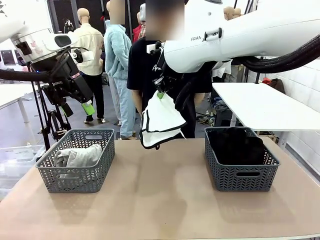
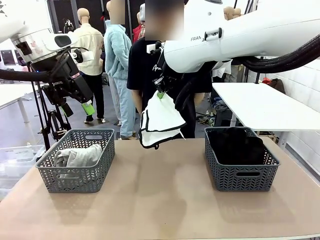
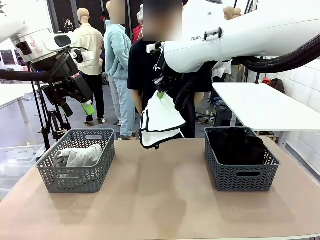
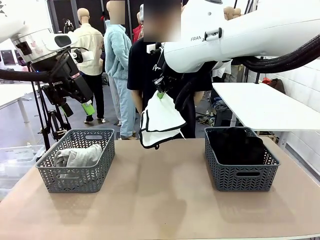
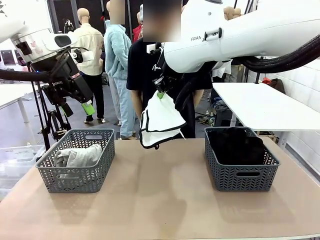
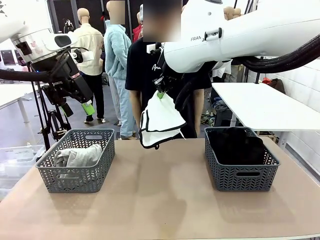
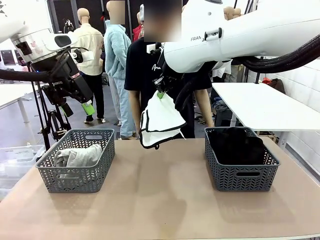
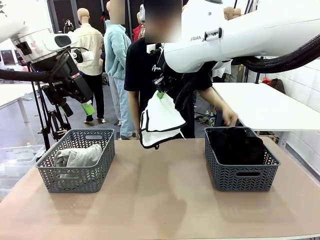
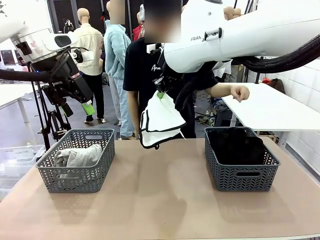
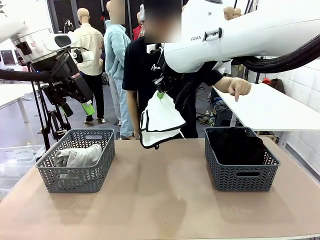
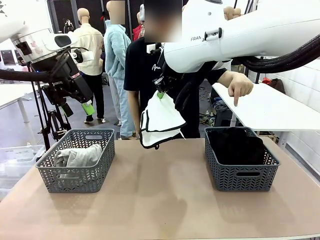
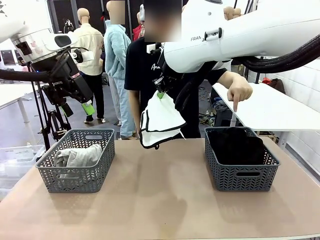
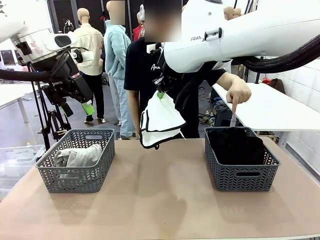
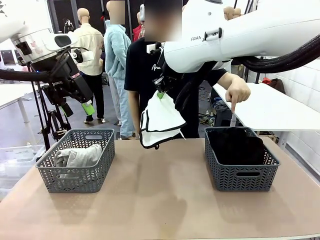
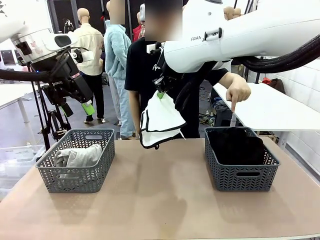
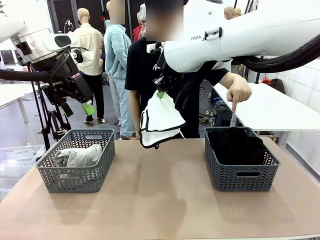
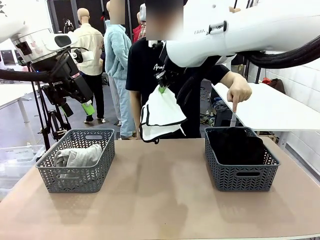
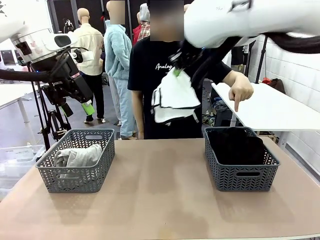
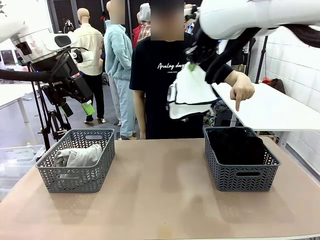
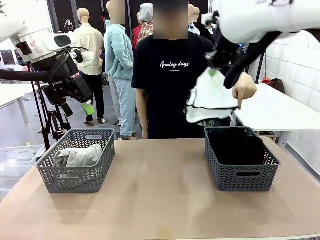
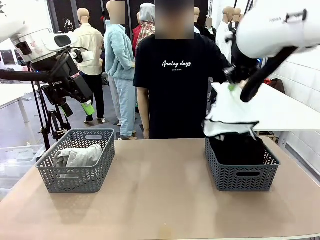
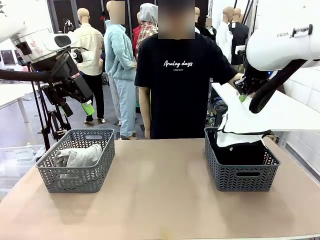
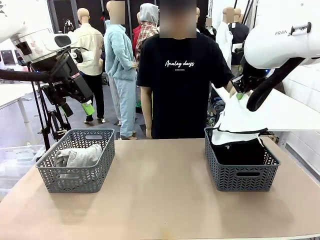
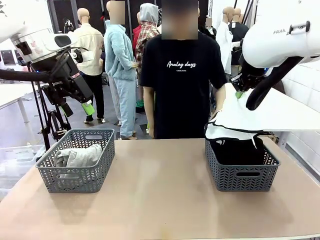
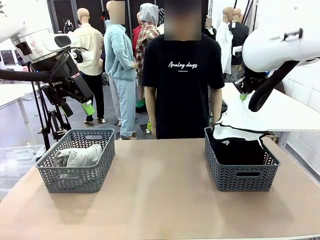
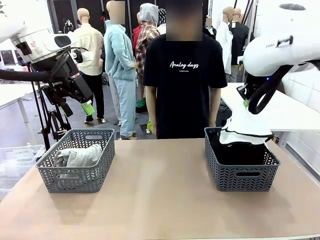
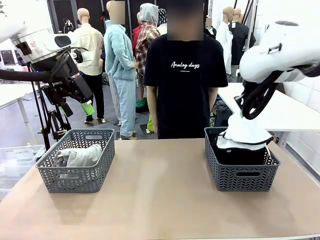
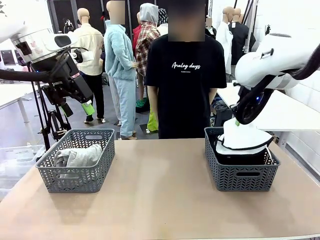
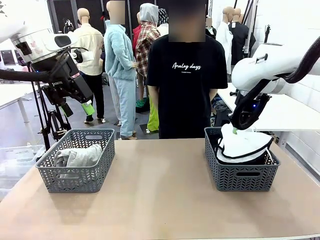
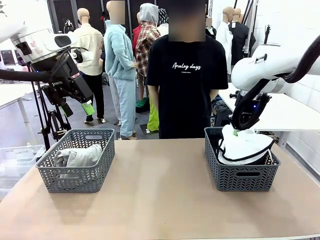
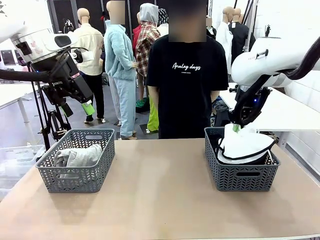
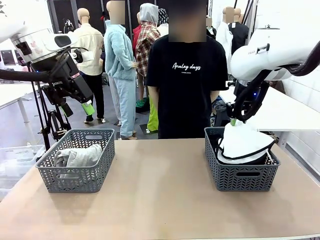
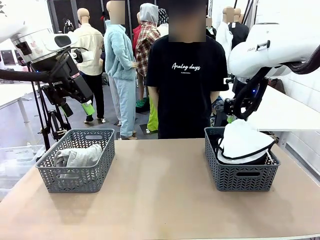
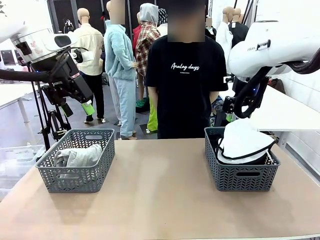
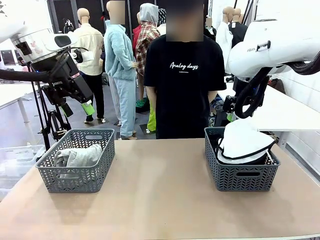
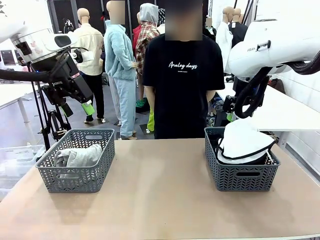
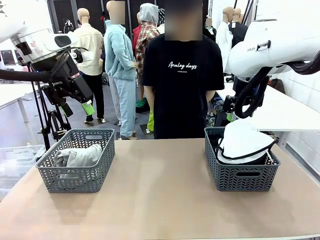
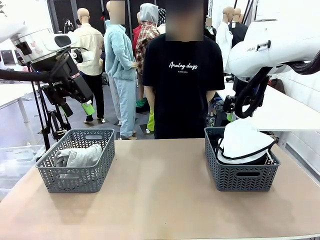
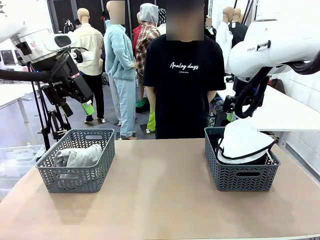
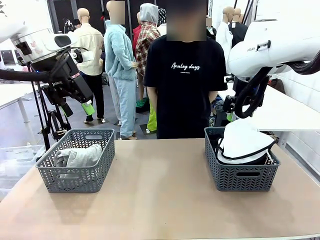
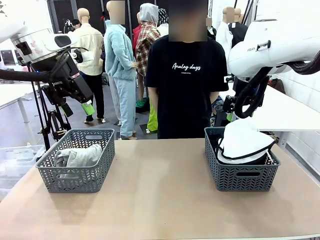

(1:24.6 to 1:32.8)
Task: Sort the tops and bottoms.
Robot: Sort the clothes according to human instructions.

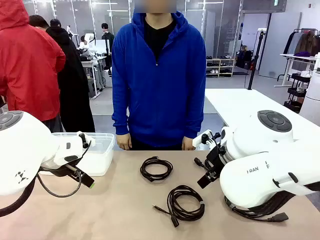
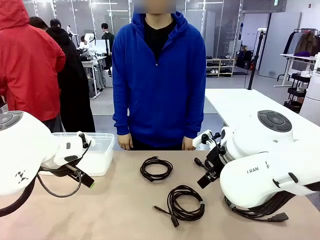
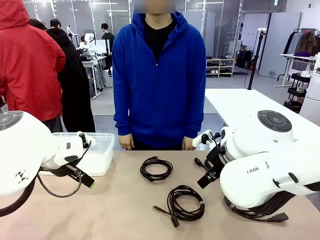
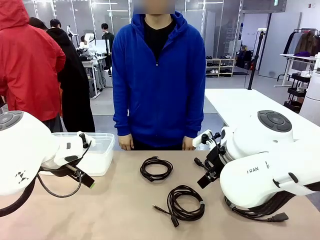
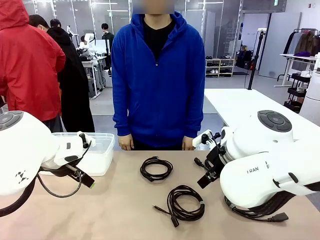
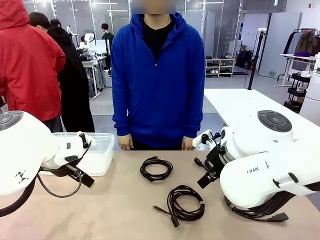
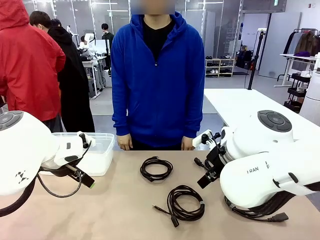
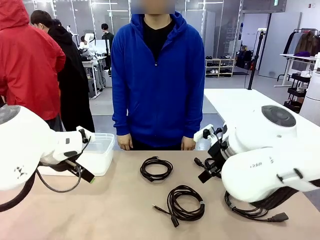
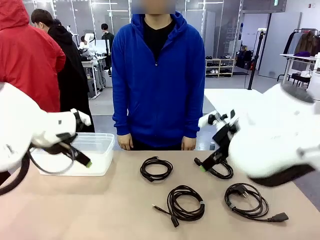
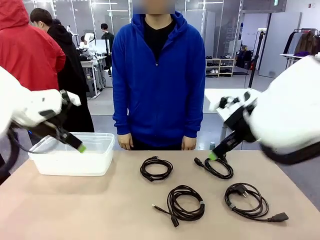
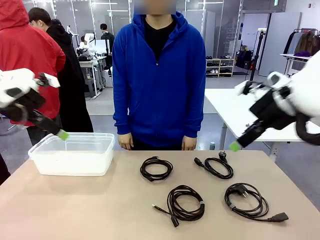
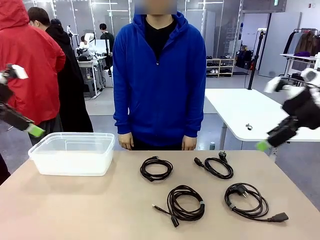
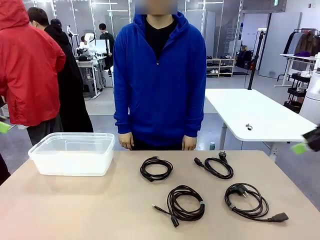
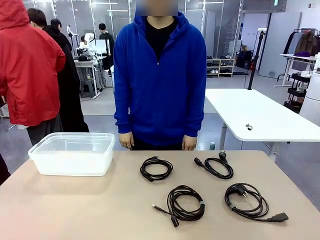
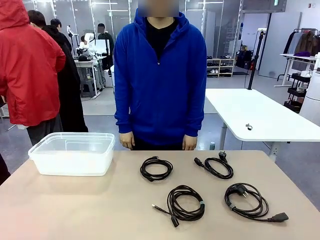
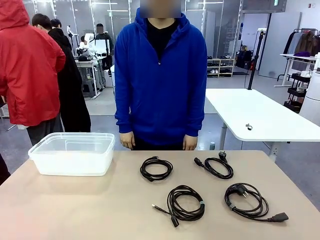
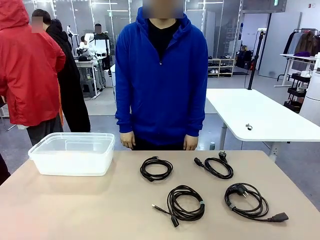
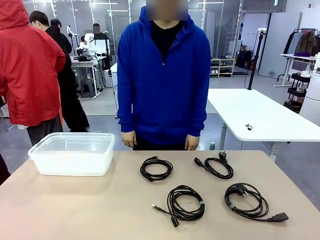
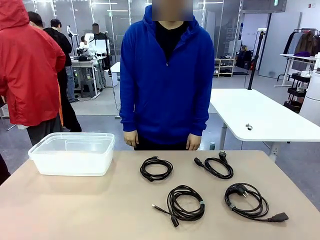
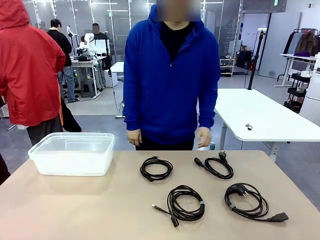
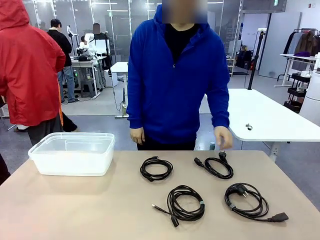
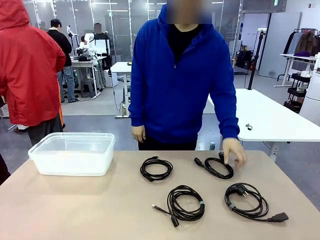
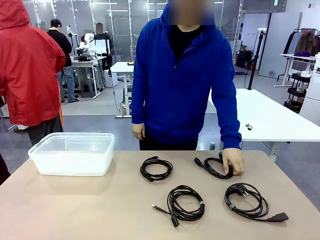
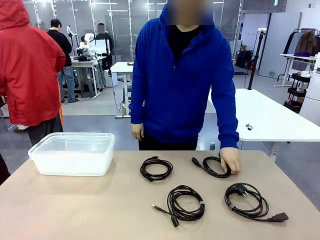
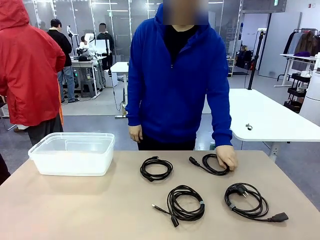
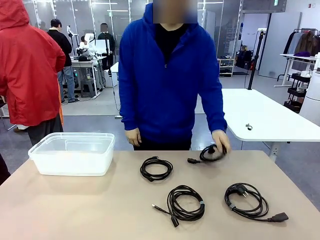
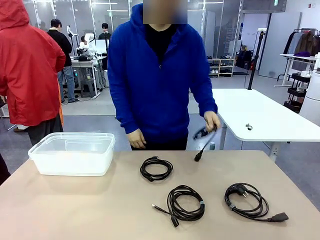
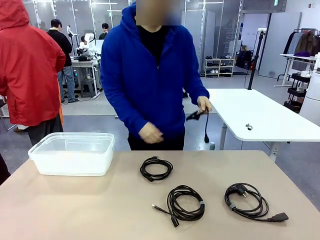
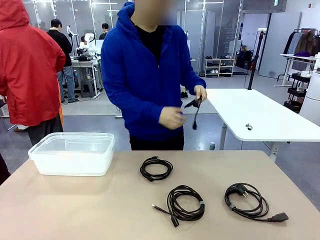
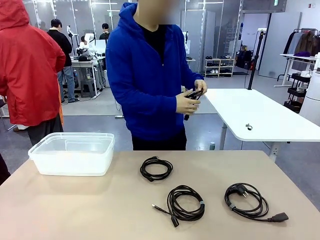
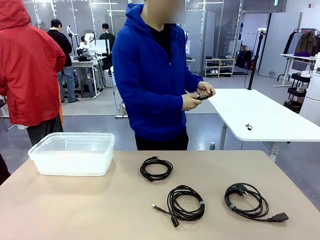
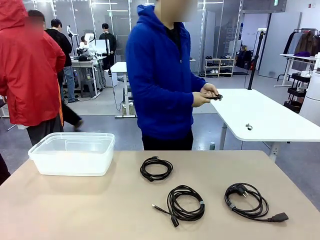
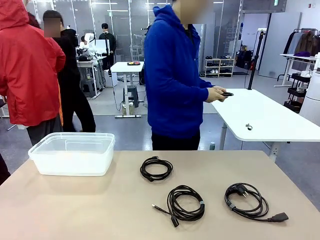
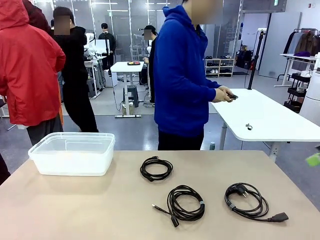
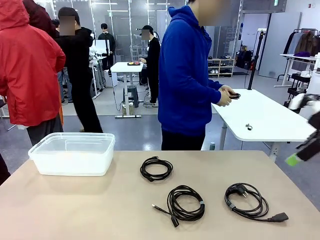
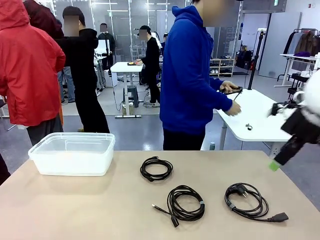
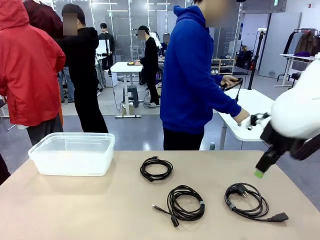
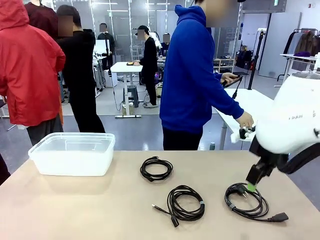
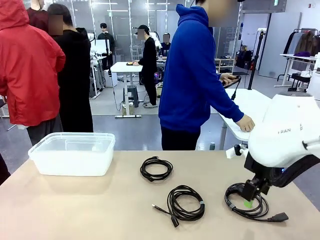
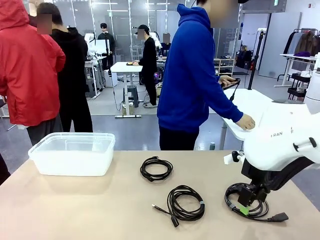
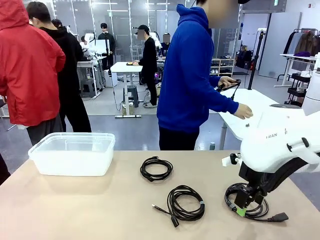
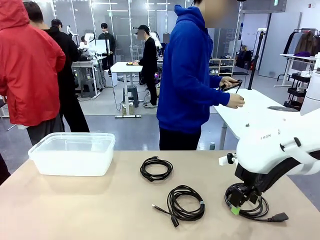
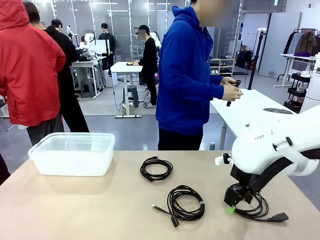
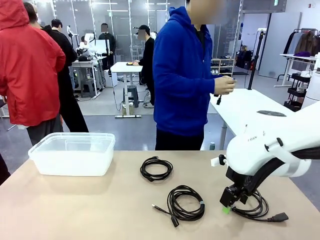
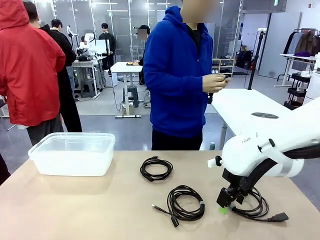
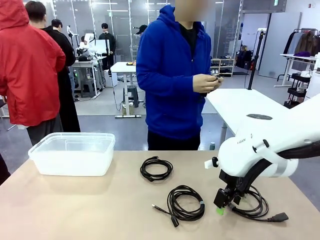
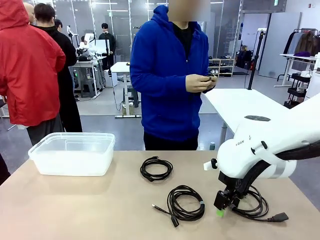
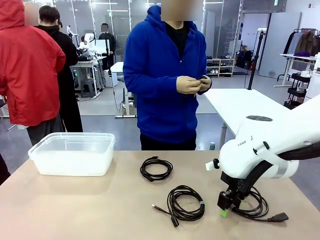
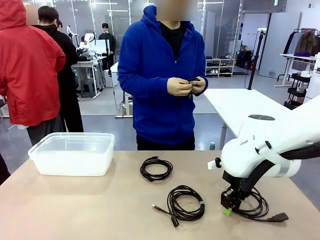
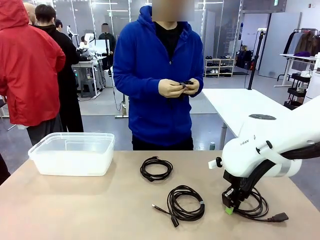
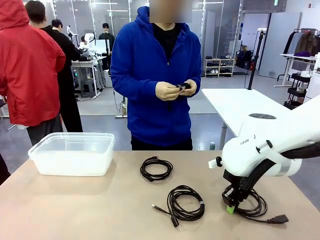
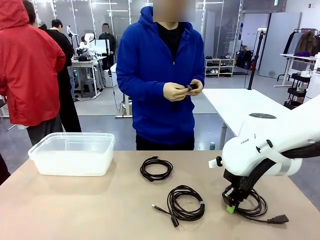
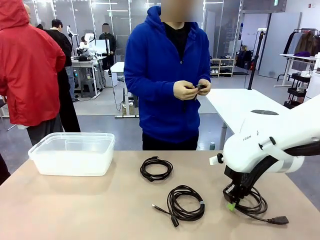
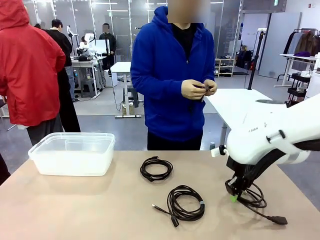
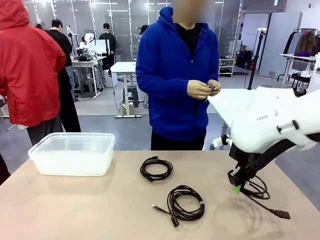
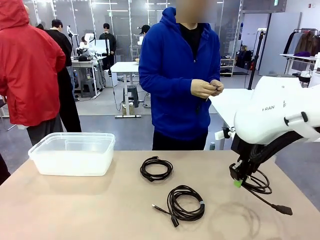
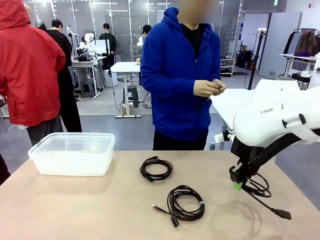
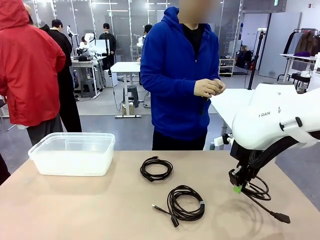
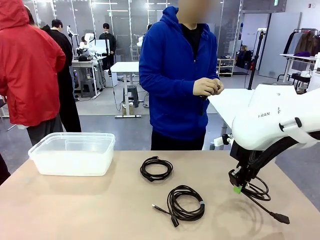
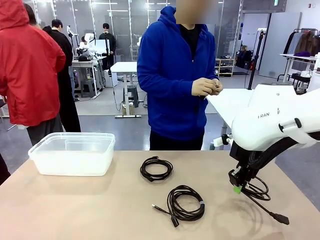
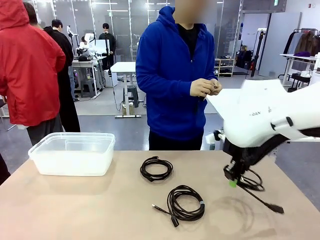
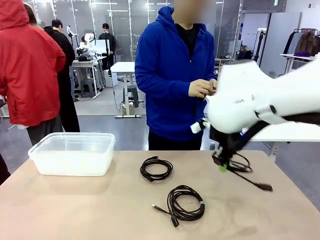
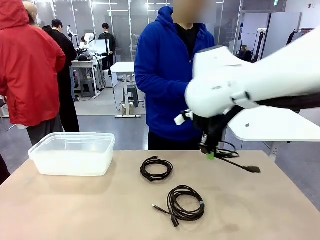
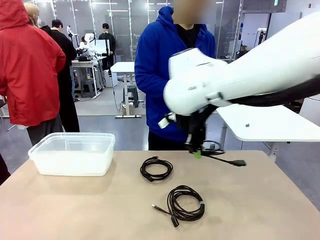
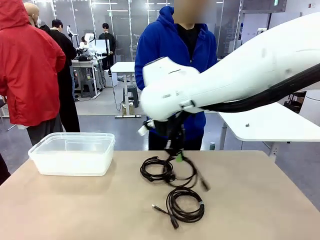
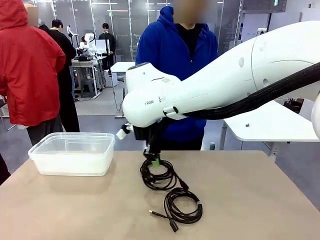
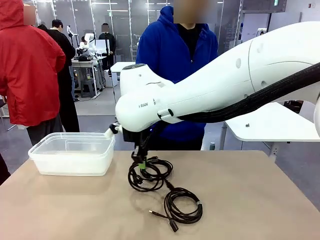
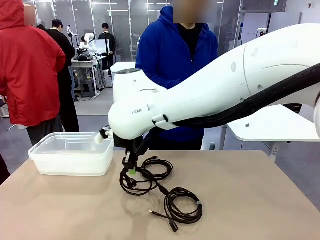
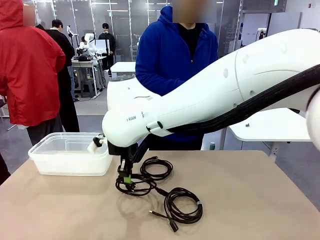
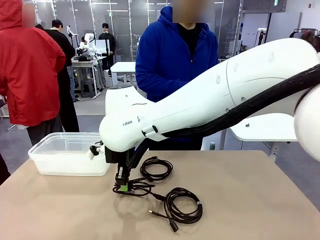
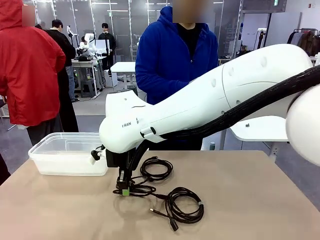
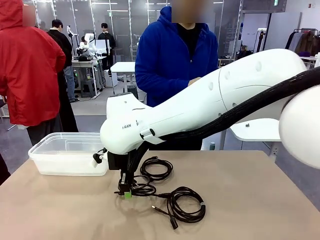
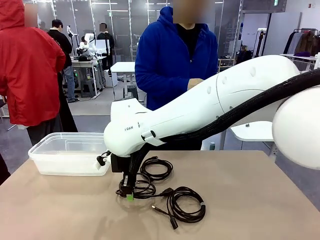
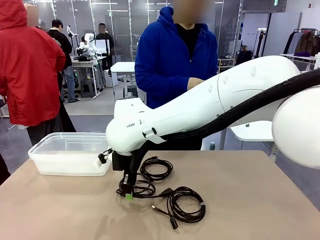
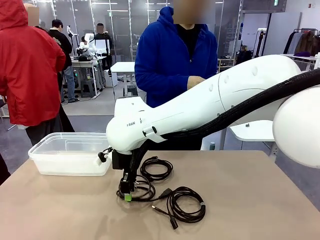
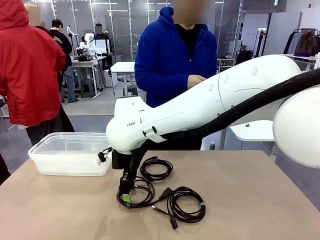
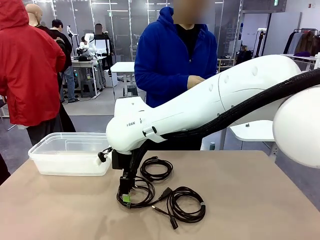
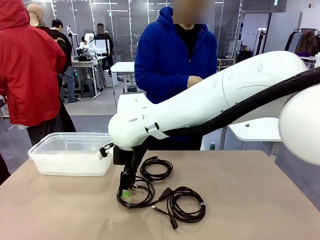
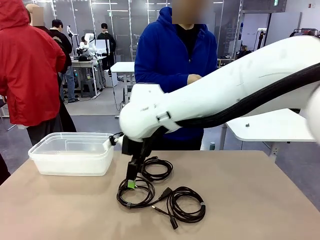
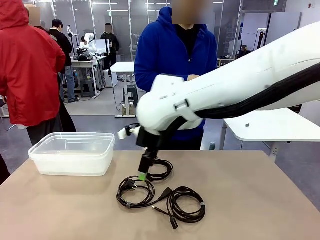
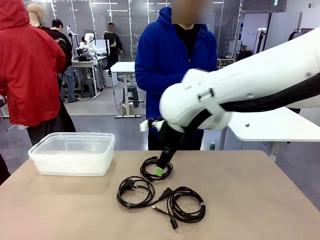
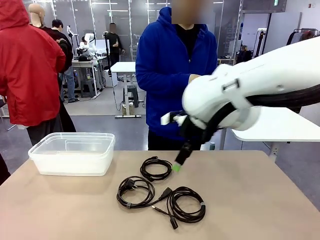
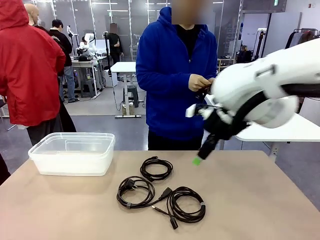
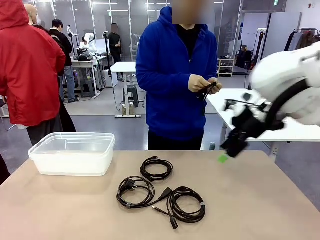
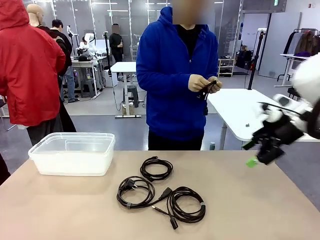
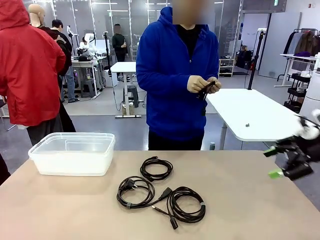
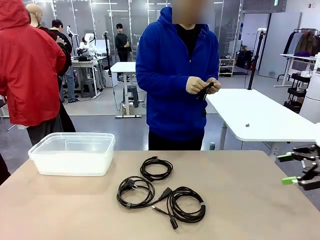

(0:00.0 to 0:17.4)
Task: Organize and store the cables.
Robot: Place the Power Cable into the Organizing box.
Person: Tie one Power Cable with a Reusable Cable Tie.
